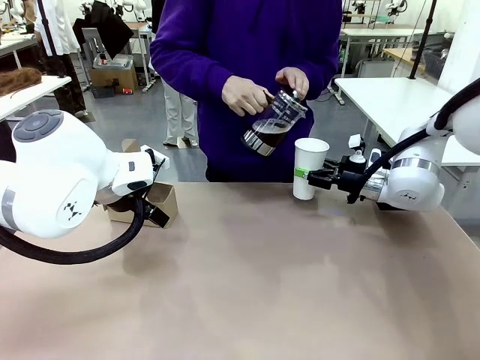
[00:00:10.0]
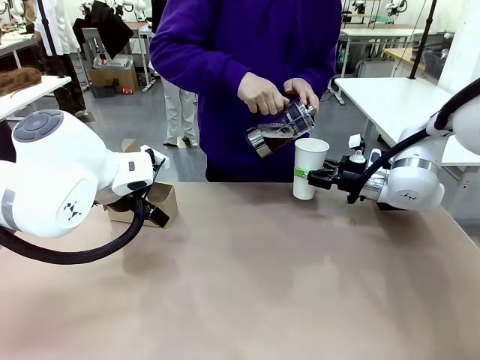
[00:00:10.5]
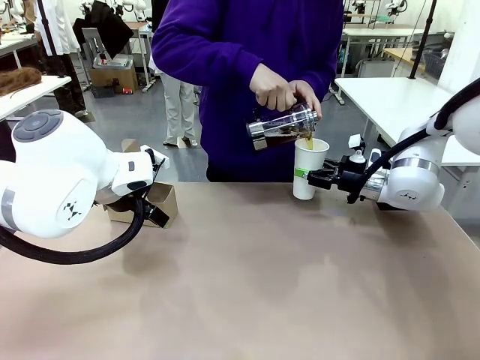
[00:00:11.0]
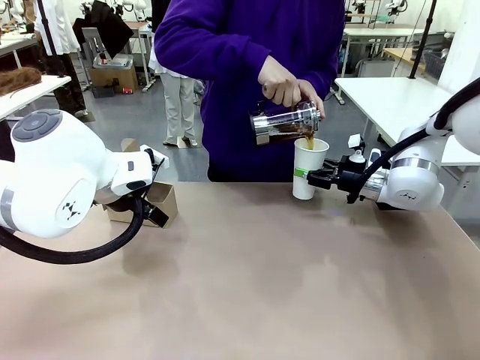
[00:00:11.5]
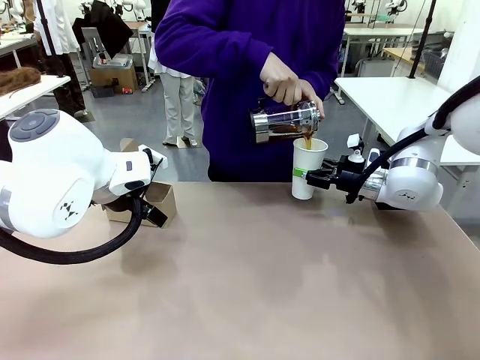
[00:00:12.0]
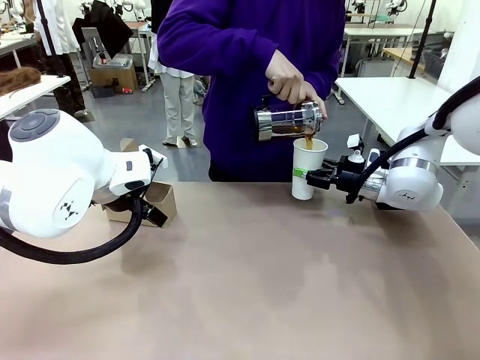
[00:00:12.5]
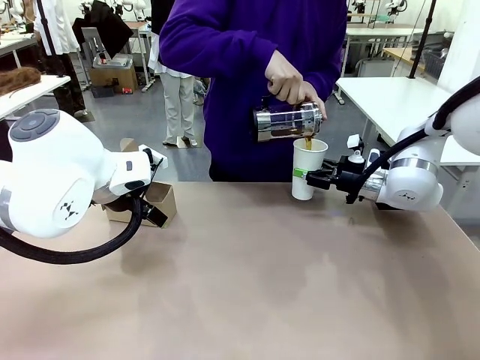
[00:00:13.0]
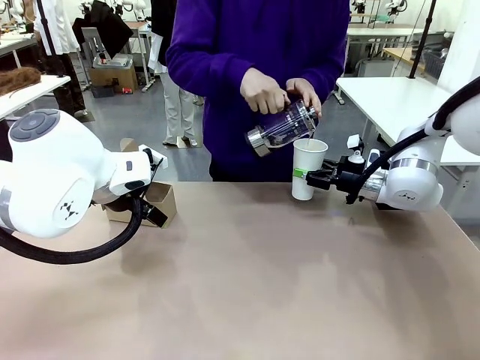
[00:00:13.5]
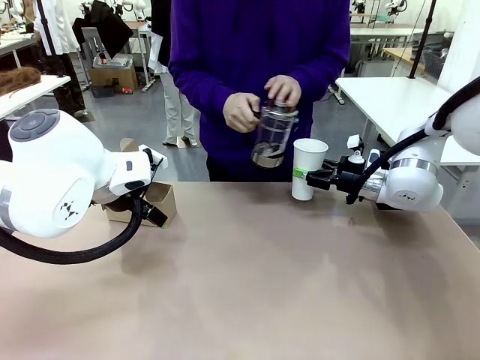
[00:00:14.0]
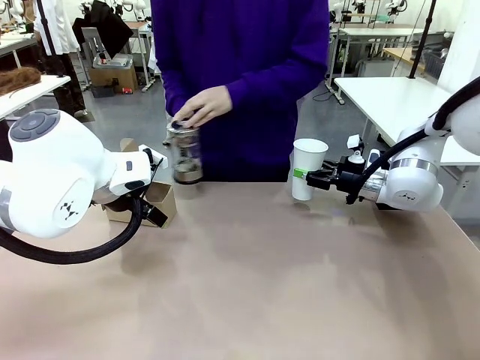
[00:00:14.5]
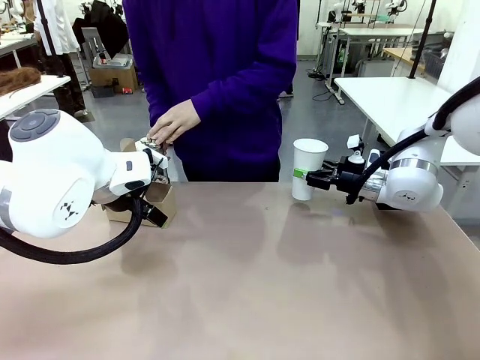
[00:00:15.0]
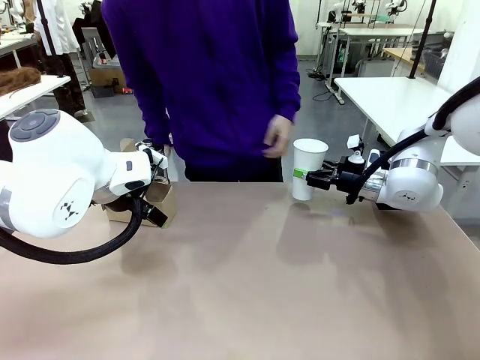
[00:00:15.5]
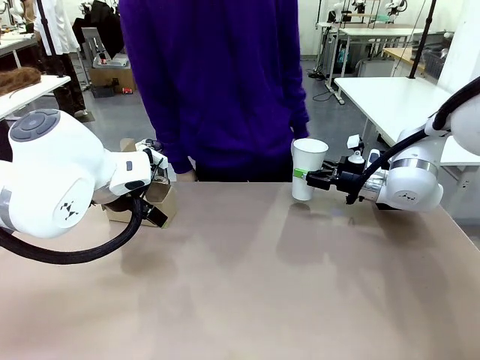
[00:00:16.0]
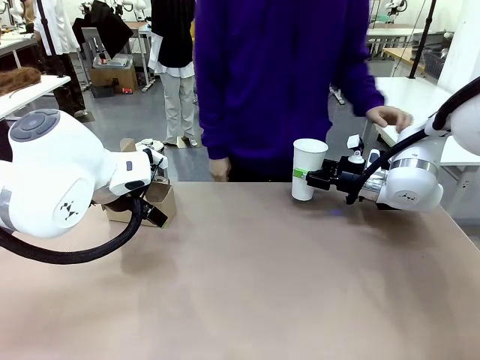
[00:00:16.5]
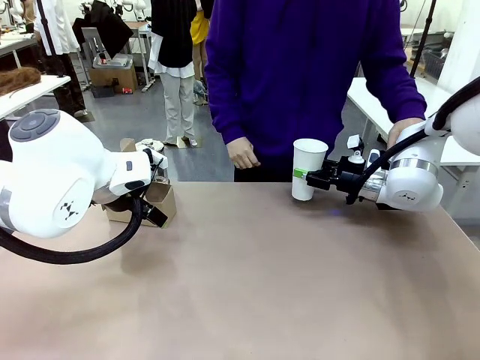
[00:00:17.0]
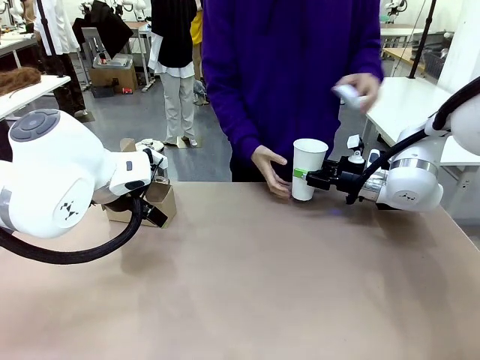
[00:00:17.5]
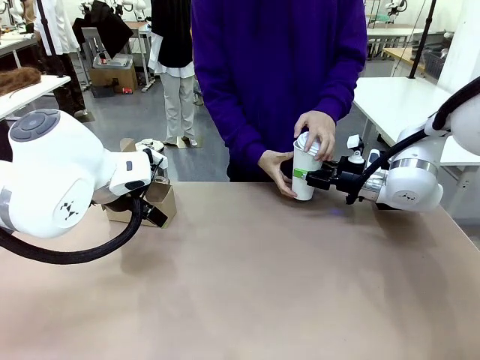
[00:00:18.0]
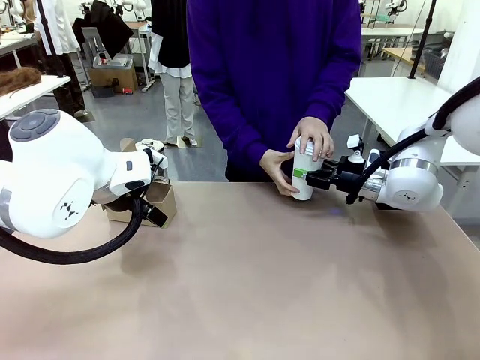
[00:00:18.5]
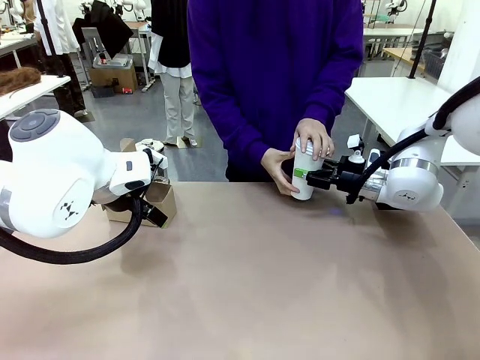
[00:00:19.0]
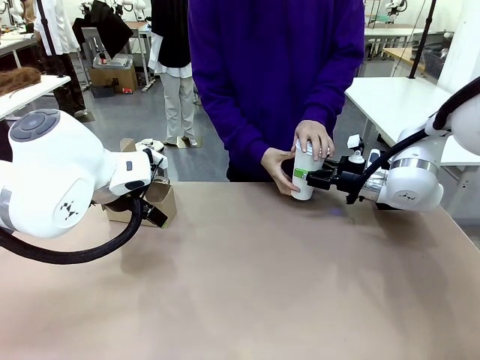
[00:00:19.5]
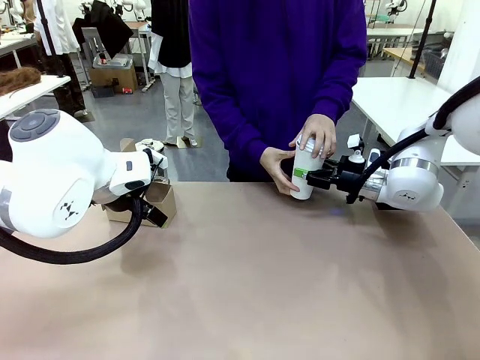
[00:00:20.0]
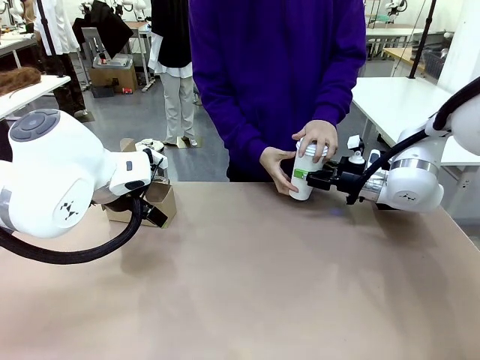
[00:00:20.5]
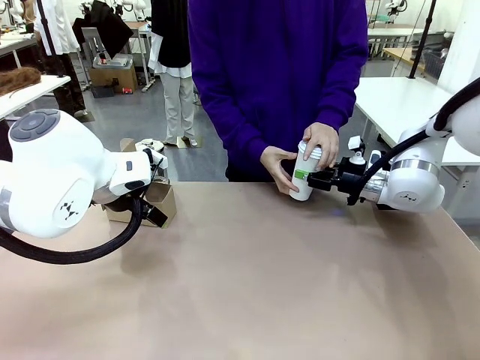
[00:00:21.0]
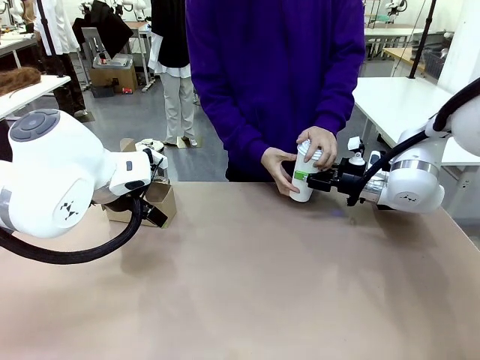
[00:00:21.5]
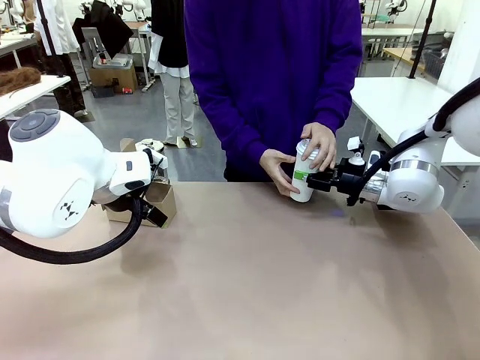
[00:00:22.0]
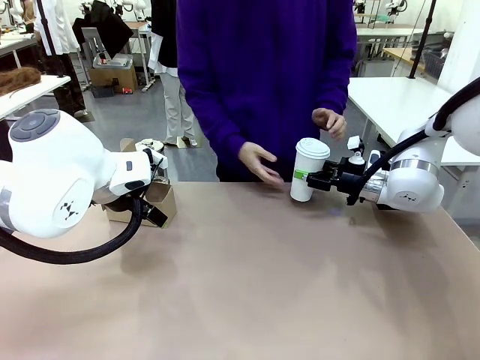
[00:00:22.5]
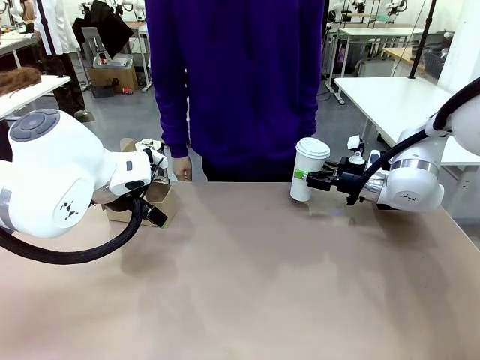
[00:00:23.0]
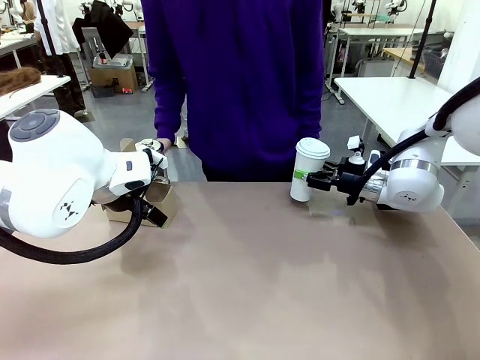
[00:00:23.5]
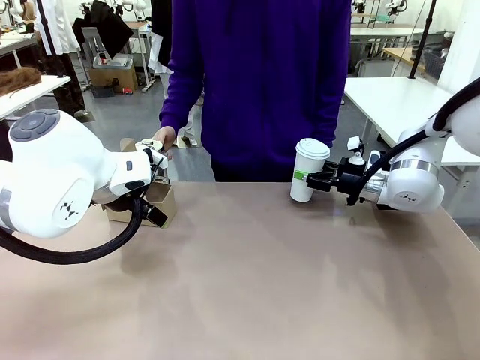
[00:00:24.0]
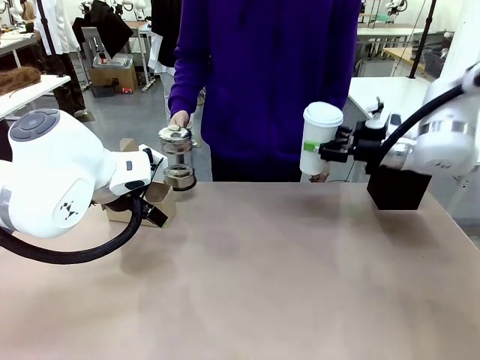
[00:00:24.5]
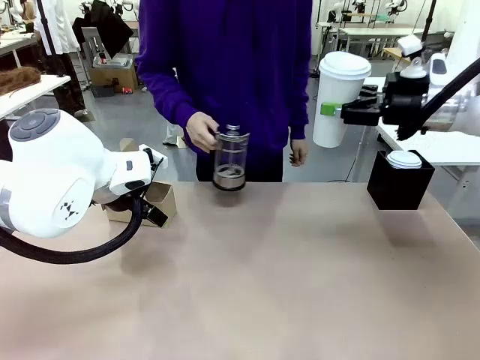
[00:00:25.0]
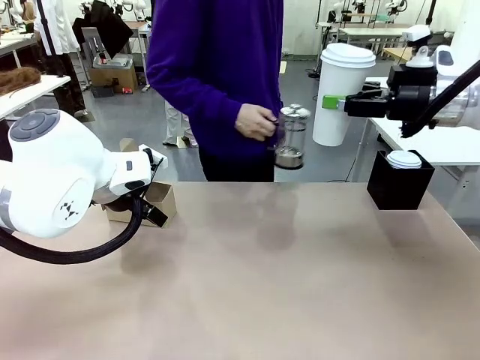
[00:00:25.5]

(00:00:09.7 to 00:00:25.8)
Task: Pour a drink into a cup and package it in a carrier.
Robot: When a person places the Paper Cup Lid on the 600 ml Paper Cup , lift the 600 ml Paper Cup.
Person: Pour the drink from the Filter Brewing into the 600 ml Paper Cup. Place a Paper Cup Lid on the 600 ml Paper Cup.

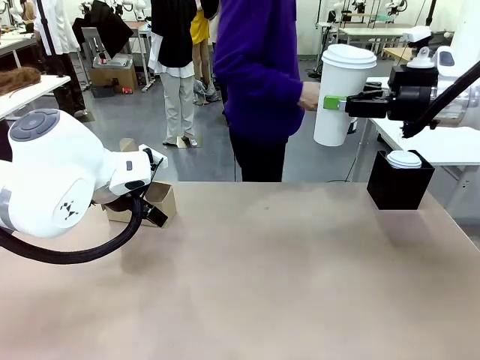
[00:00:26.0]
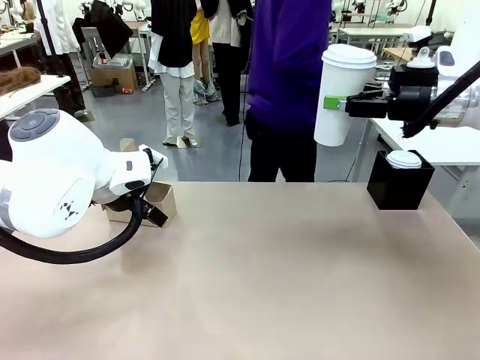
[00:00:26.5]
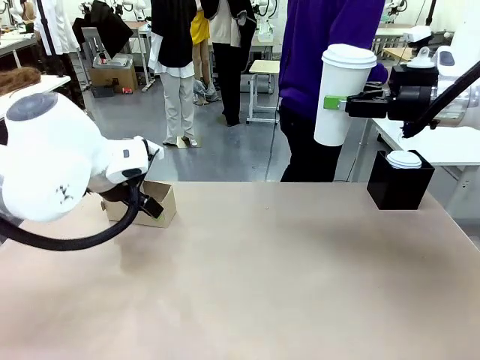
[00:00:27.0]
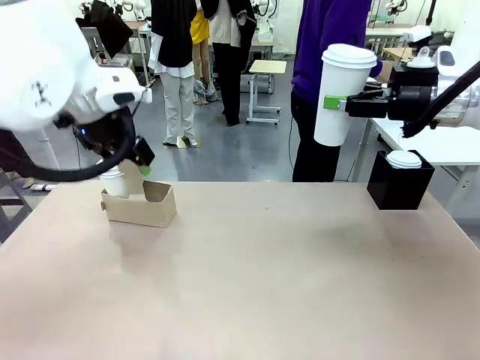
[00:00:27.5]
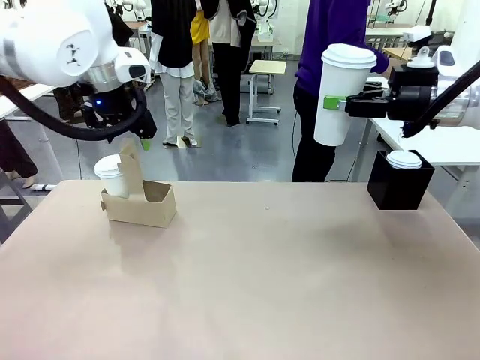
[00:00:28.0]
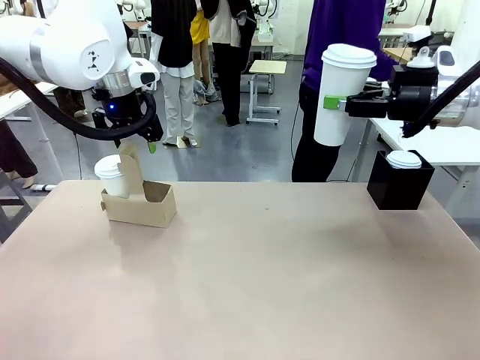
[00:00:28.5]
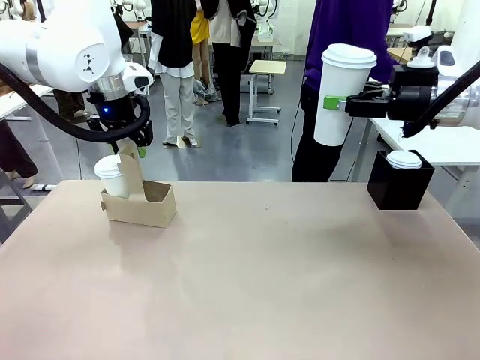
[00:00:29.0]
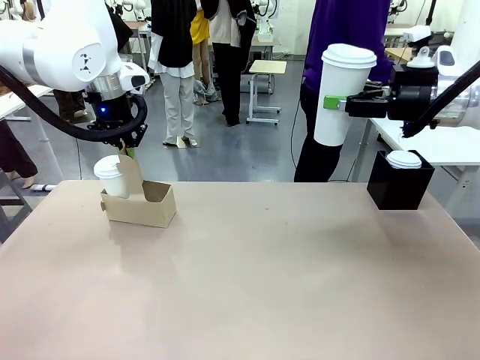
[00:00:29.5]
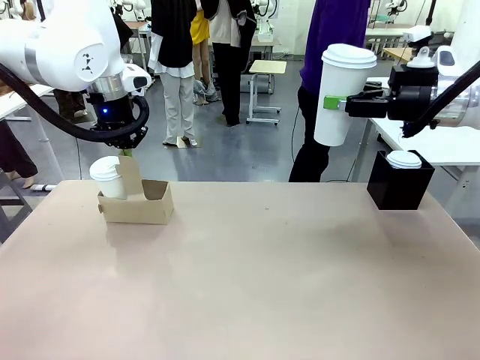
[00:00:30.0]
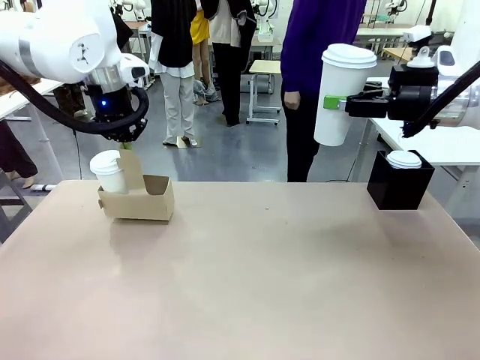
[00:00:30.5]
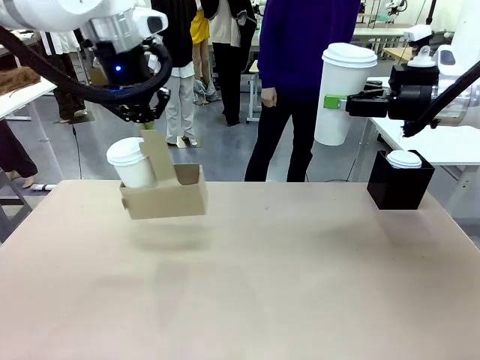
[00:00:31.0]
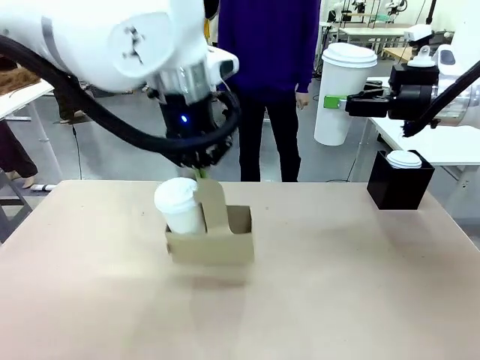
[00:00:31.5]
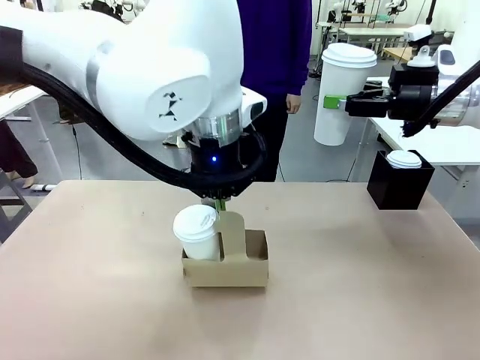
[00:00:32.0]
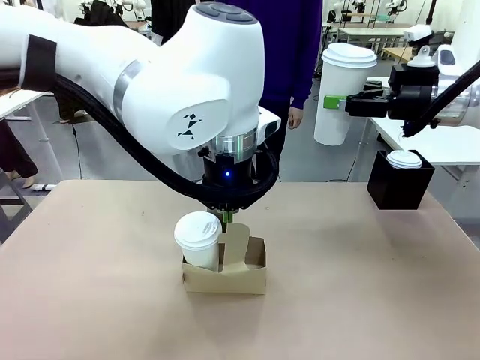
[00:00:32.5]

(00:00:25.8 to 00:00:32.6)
Robot: Position the Cup Carrier in the center of the table.
Person: Pick up the Filter Brewing and place on the middle of Human table, and return to the Robot table.
